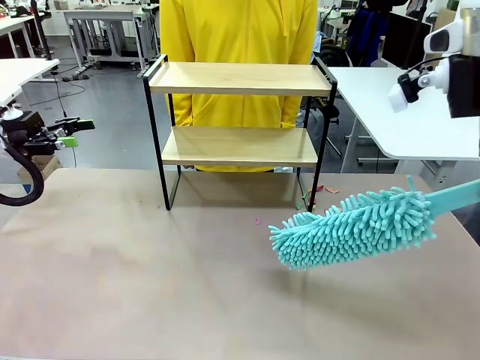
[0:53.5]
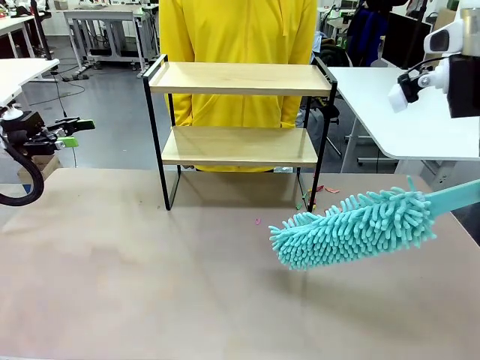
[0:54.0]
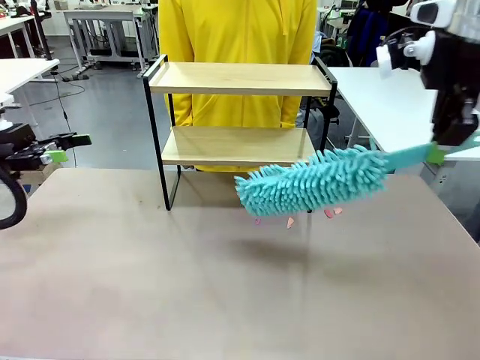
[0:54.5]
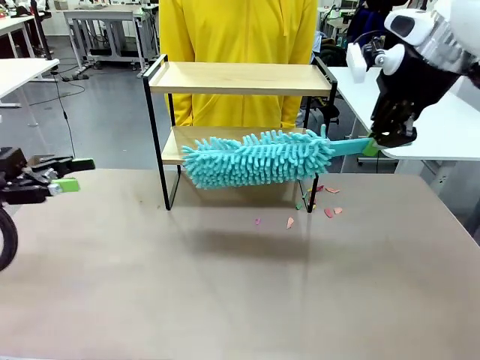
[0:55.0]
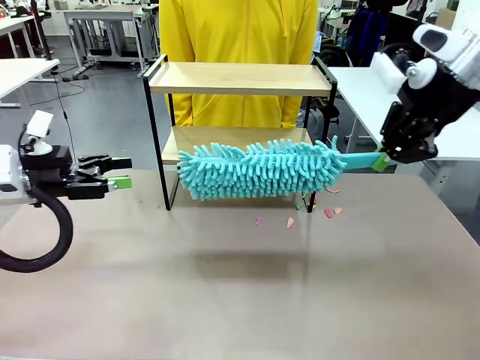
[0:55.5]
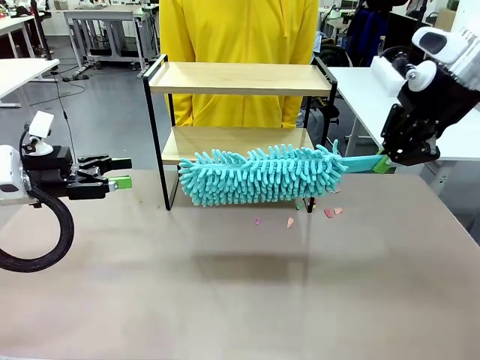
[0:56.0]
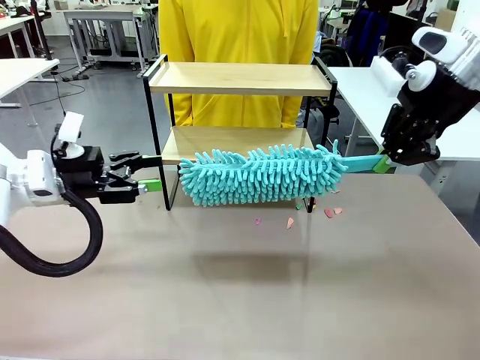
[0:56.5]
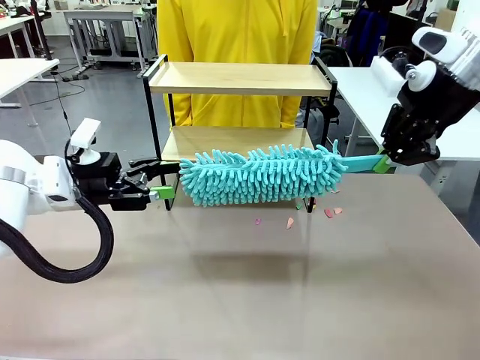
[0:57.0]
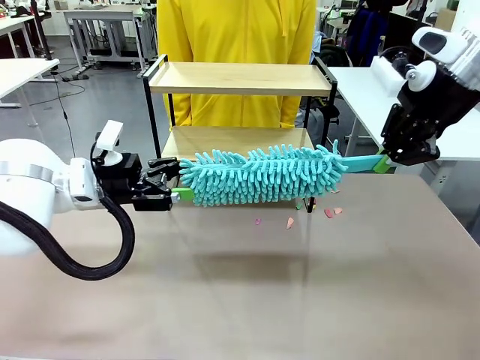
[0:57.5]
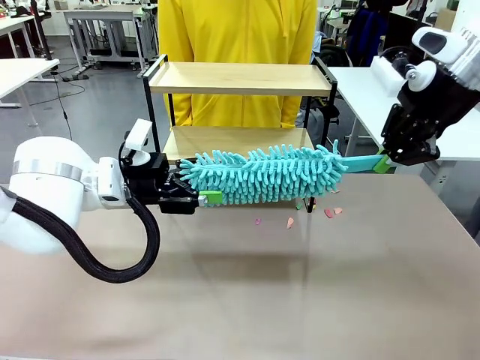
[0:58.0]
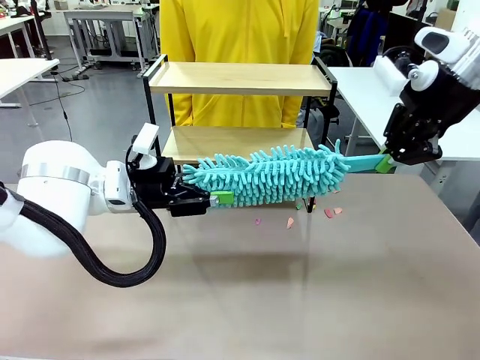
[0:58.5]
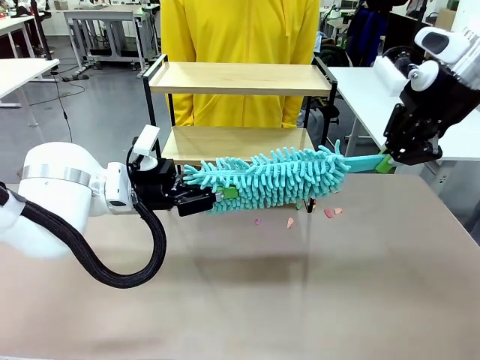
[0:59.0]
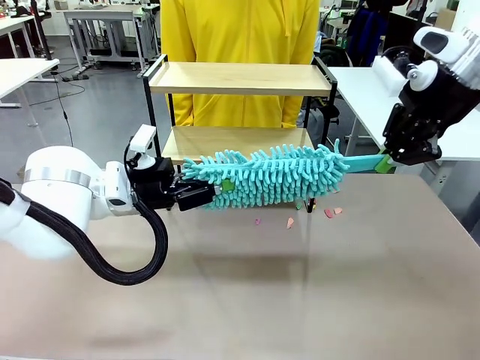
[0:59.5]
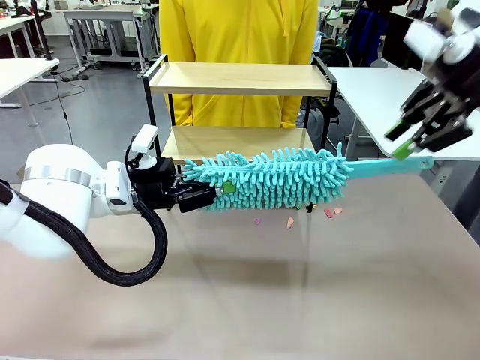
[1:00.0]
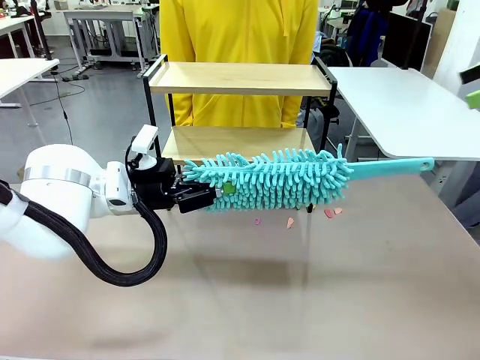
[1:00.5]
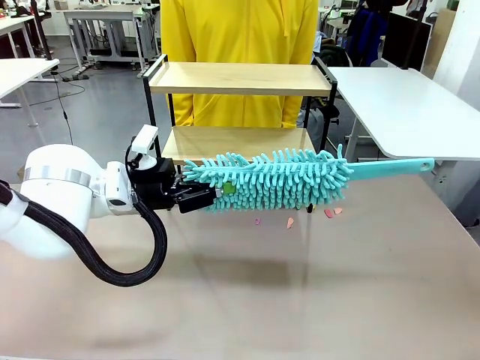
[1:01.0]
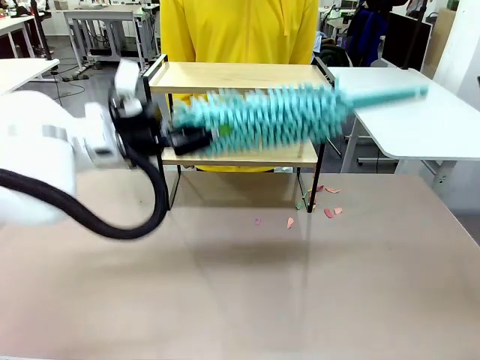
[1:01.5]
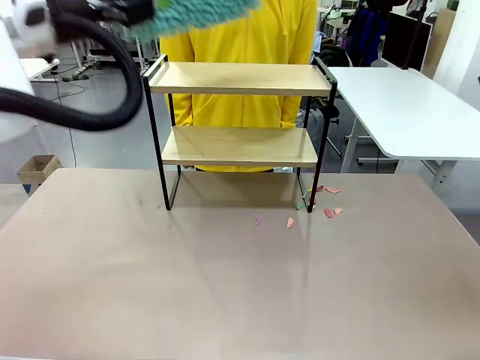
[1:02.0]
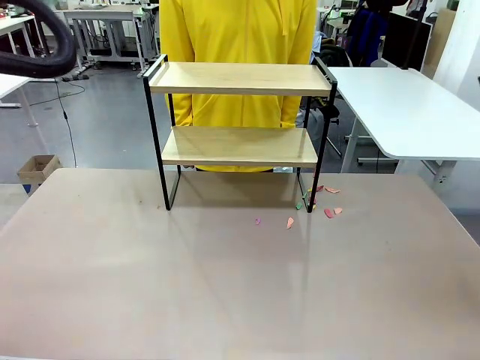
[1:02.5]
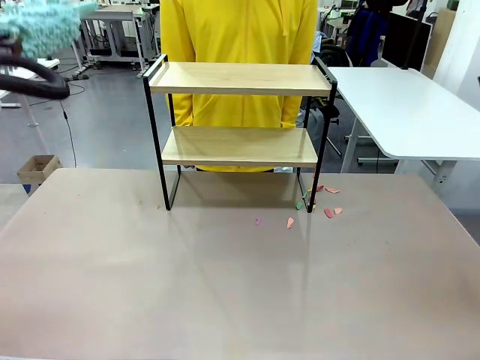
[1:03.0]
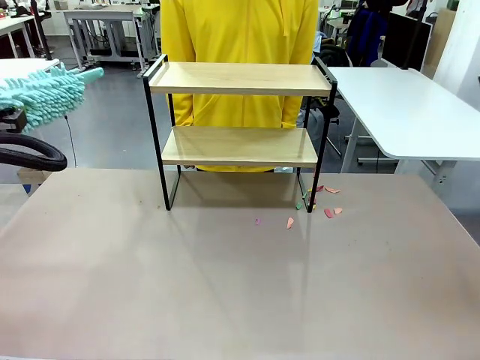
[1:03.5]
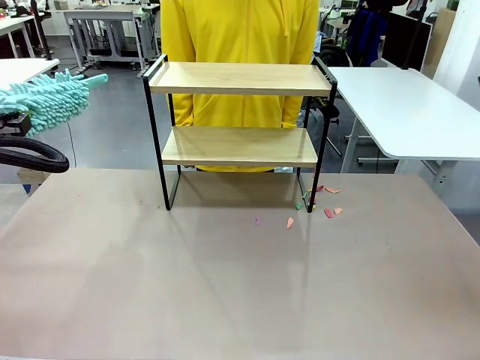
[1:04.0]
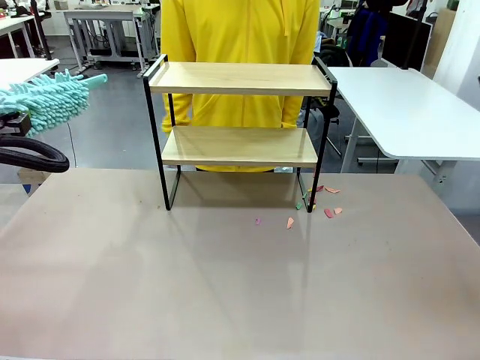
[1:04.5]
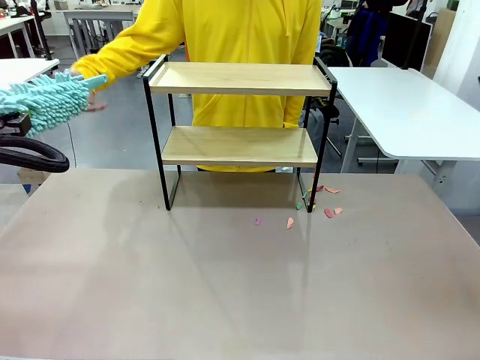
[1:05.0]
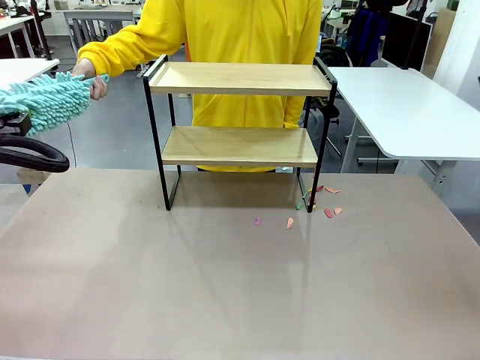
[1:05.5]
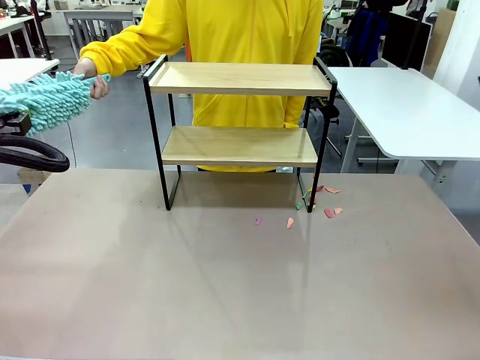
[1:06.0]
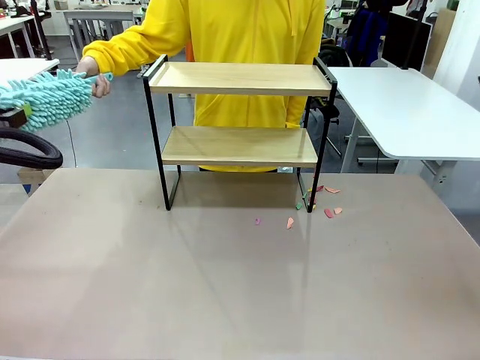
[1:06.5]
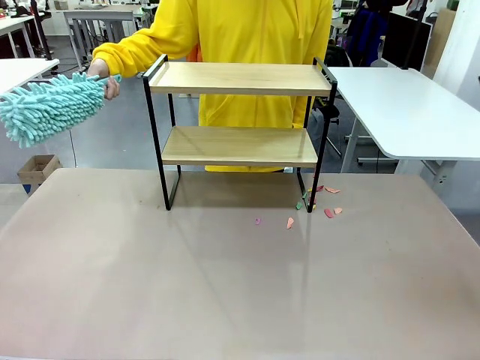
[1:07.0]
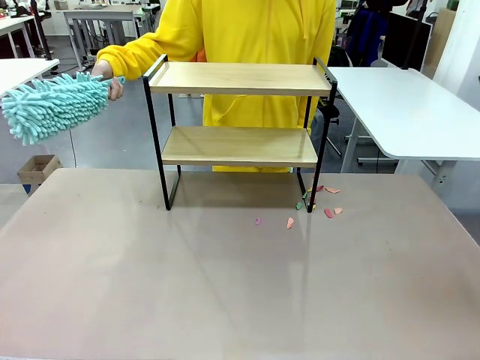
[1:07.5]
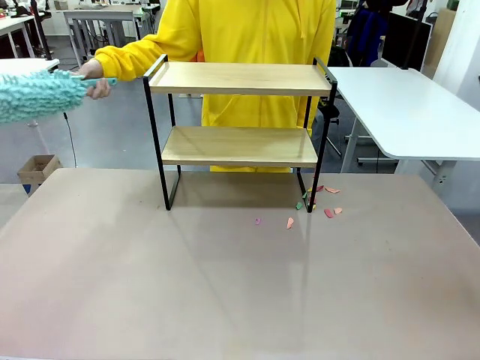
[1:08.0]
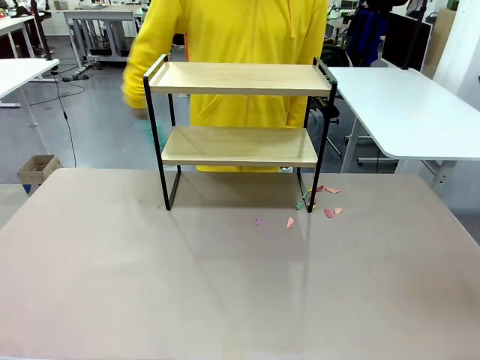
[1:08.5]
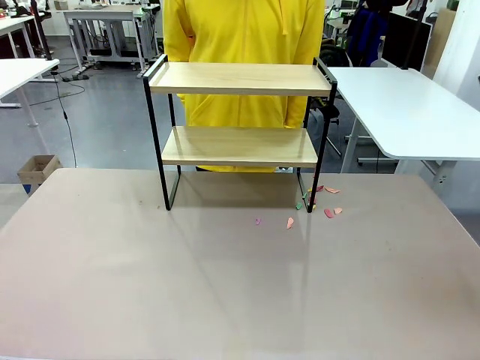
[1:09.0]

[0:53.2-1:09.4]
Task: Clean the shelf.
Robot: Hand the Duster back to the human.
Person: Receive the Duster from the robot.

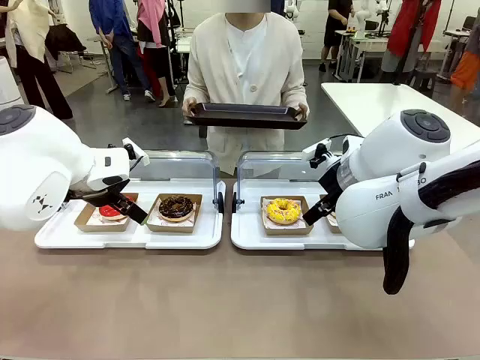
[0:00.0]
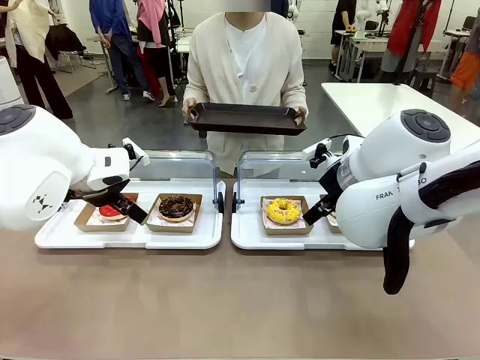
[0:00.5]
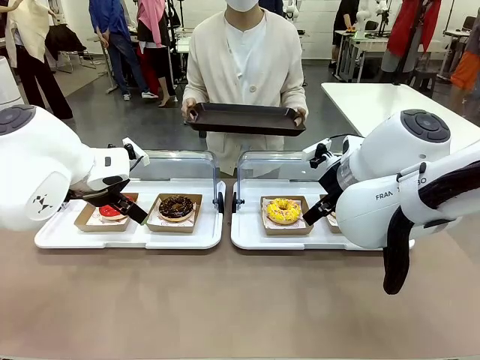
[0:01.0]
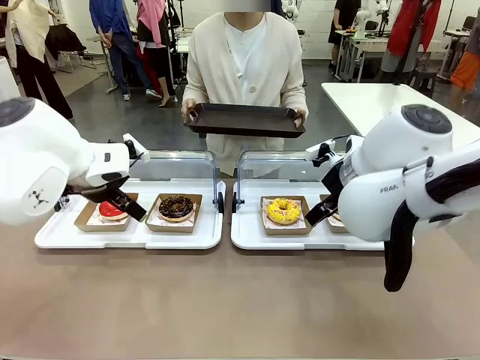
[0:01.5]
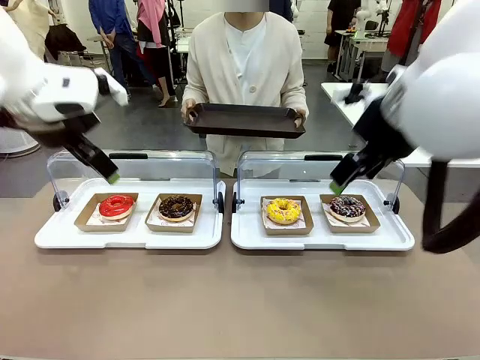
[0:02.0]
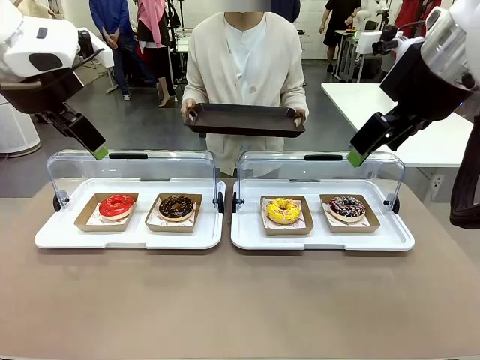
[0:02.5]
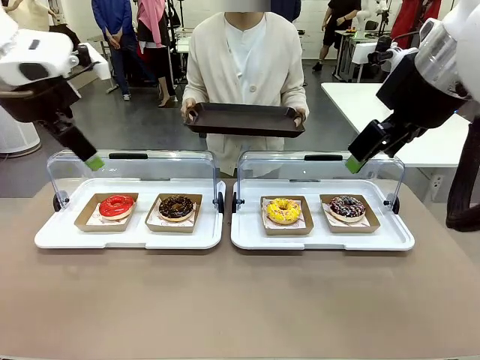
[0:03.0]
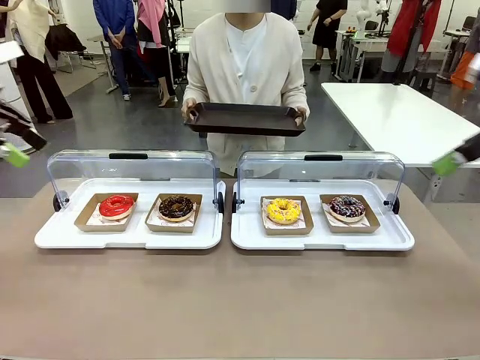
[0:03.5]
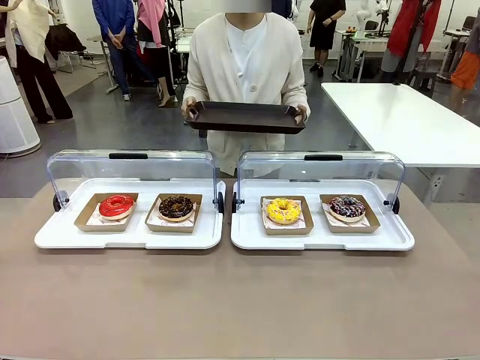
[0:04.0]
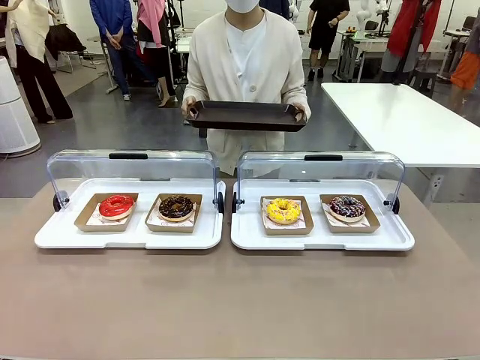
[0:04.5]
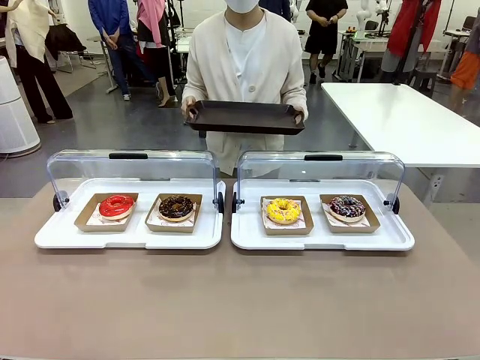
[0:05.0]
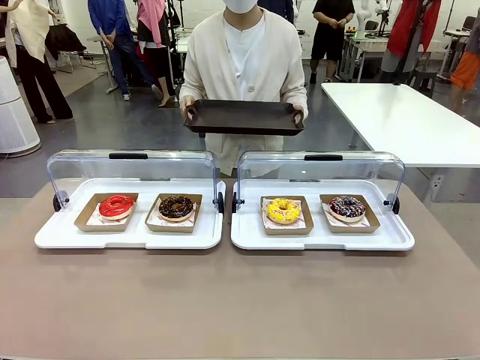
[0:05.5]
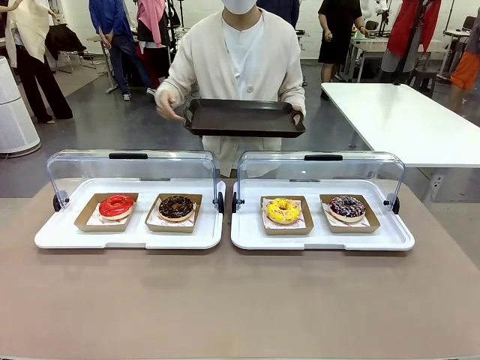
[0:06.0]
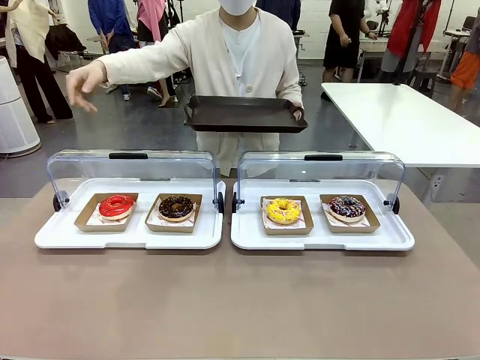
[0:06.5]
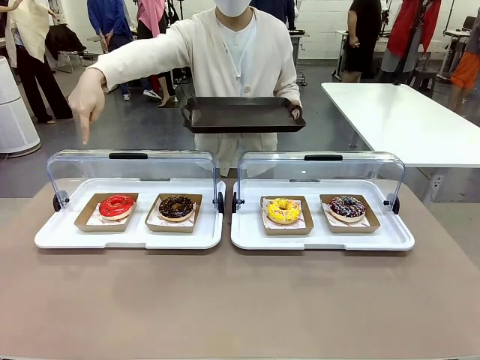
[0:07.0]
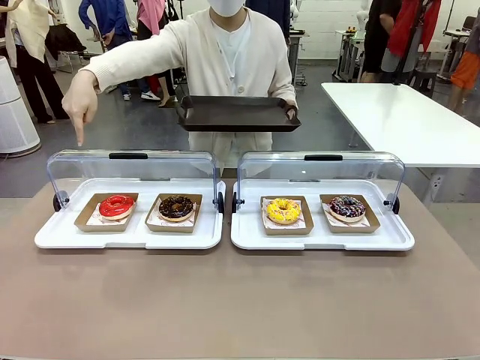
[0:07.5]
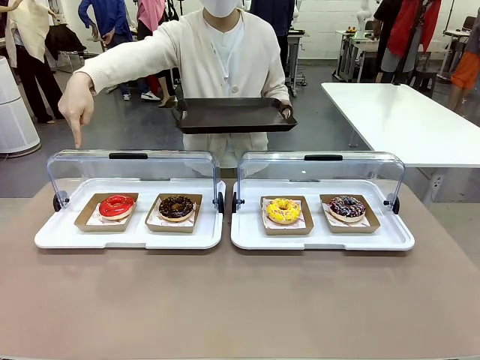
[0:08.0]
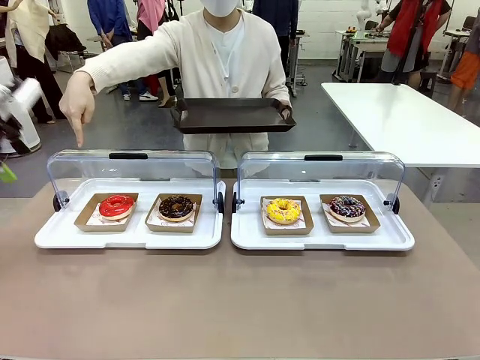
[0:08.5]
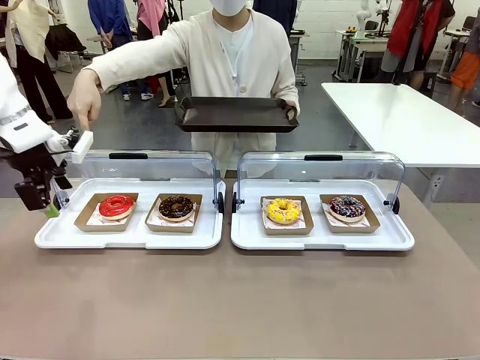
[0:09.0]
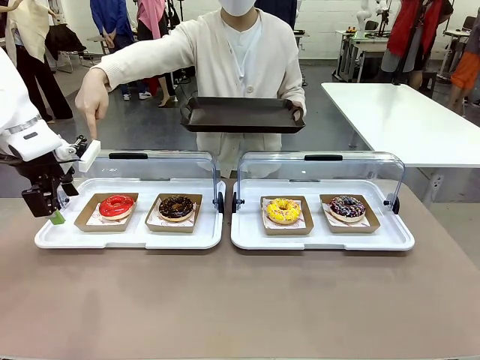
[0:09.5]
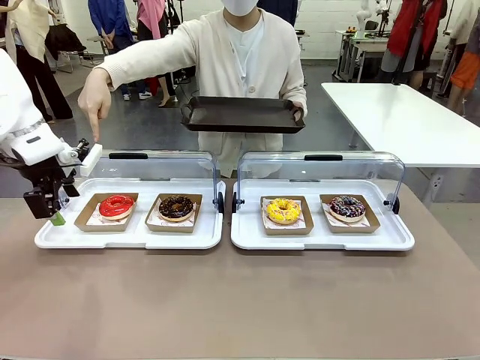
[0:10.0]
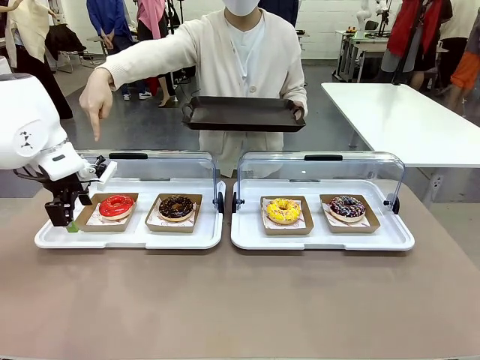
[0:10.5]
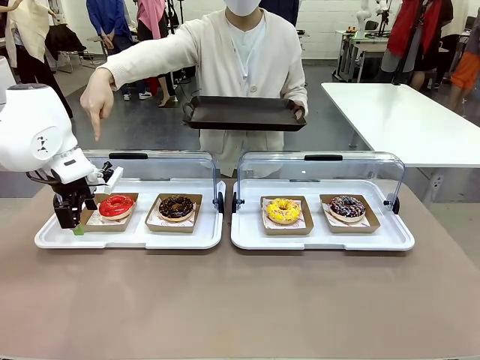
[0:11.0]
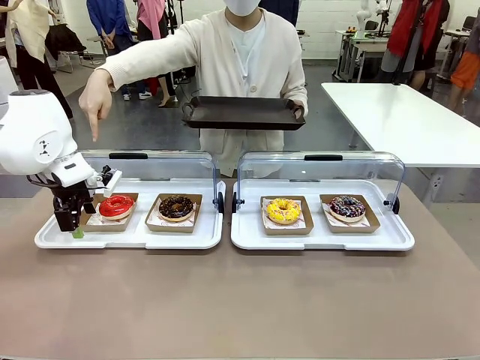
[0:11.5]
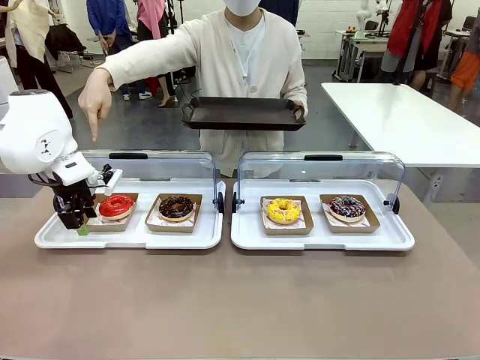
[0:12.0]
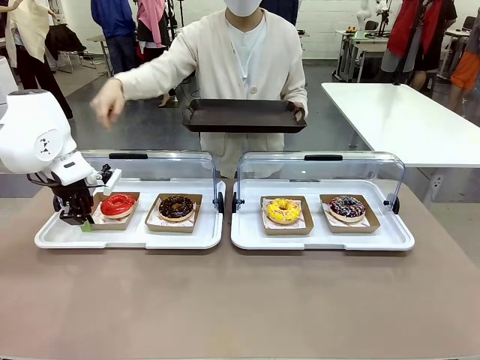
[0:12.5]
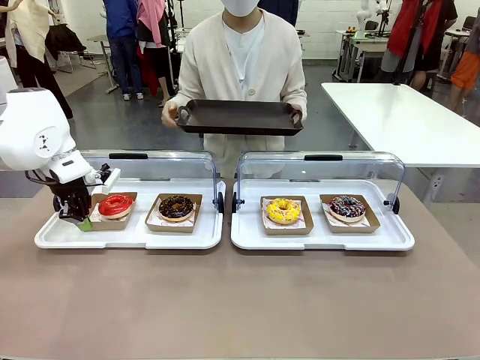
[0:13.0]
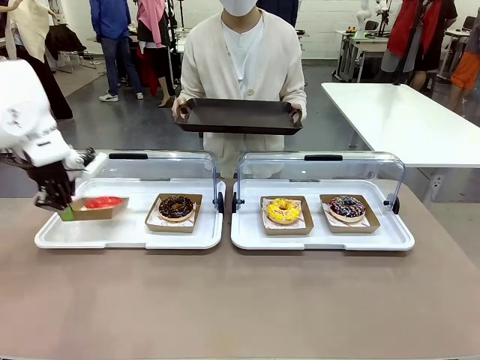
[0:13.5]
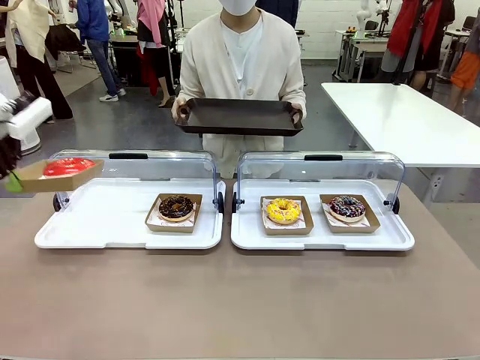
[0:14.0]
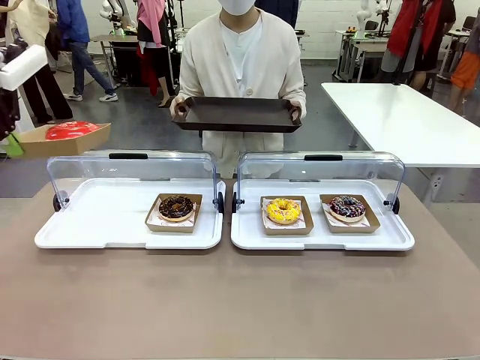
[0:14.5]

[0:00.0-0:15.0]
Task: Provide the desired donut to the person.
Robot: Pick up and lift the Paper togo box containing the Donut pointed at by the person.
Person: Point to one donut. Lift the tray onto the Roll-Top Bakery Case.
